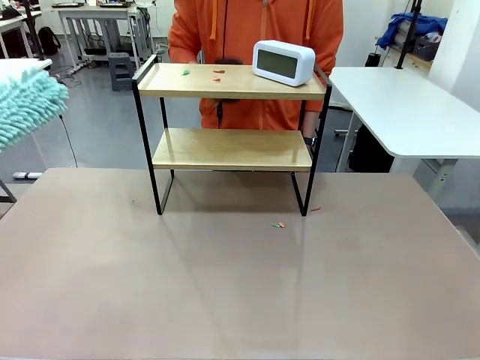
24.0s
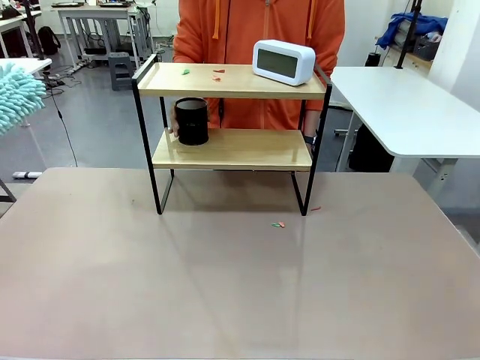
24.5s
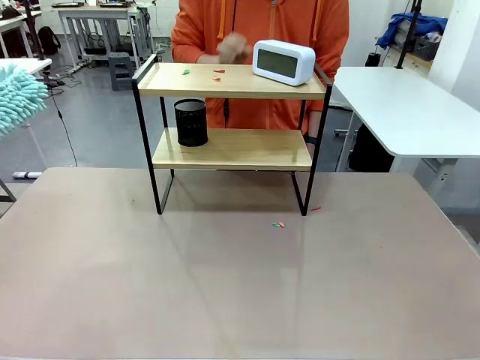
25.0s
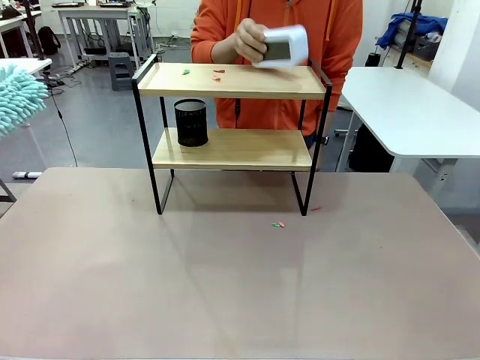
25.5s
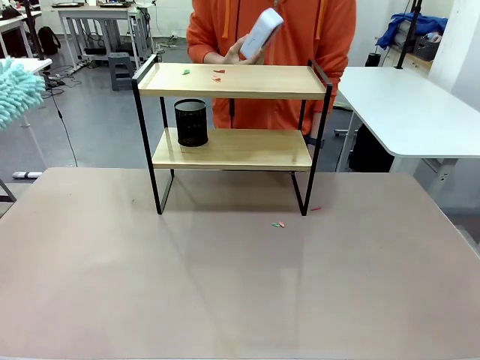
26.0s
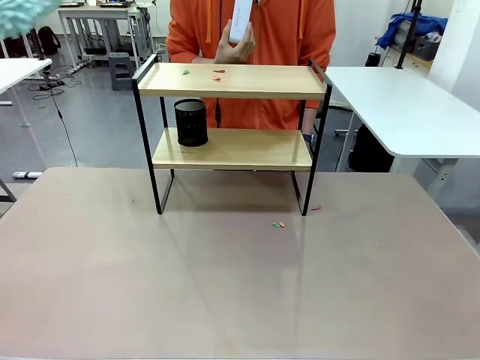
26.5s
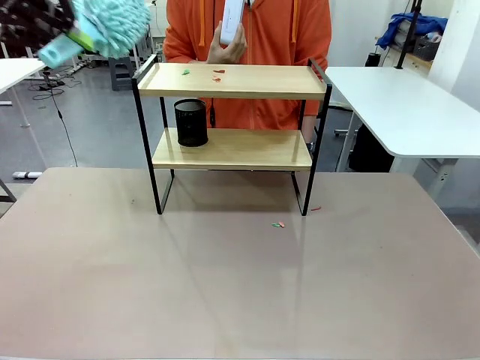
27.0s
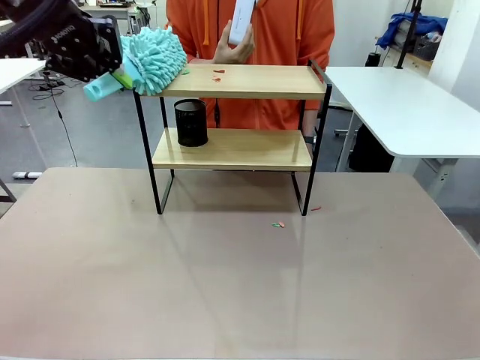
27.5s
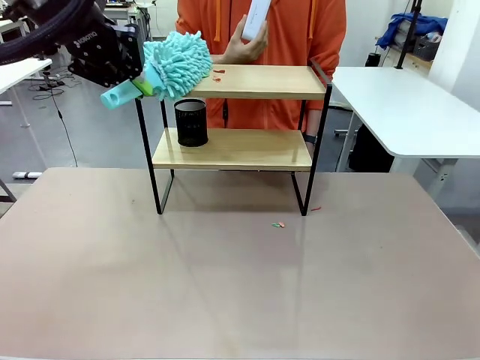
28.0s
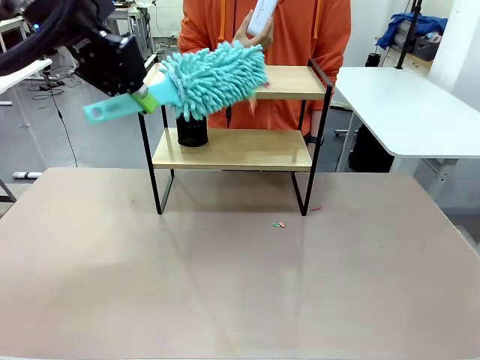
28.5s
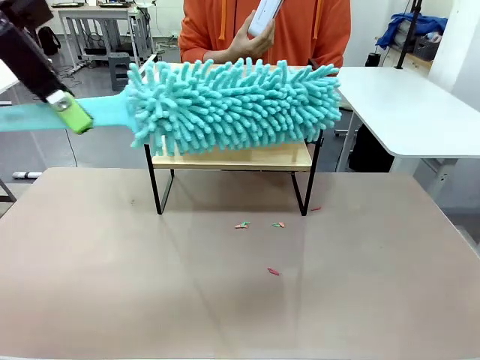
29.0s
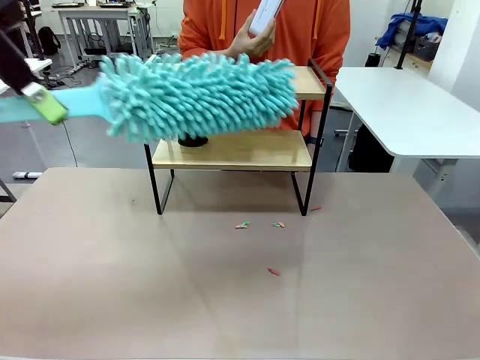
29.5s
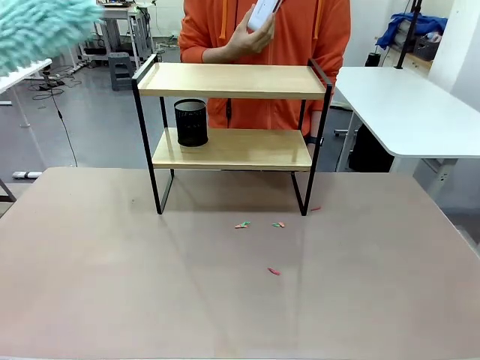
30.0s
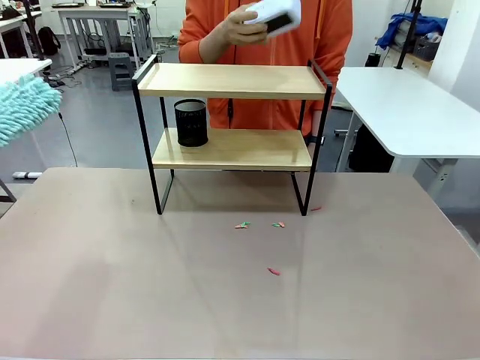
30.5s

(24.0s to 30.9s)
Task: Clean the shelf.
Robot: Clean the remaining tier of the Shelf with the Duster once objects are removed.

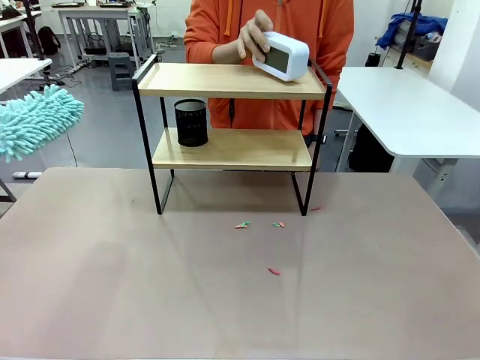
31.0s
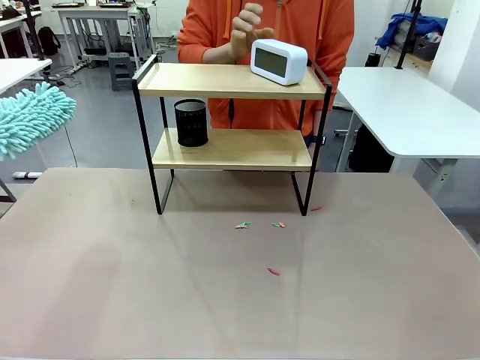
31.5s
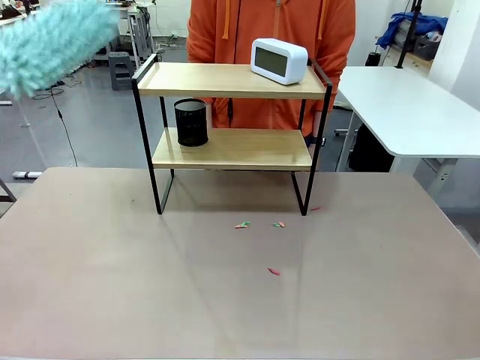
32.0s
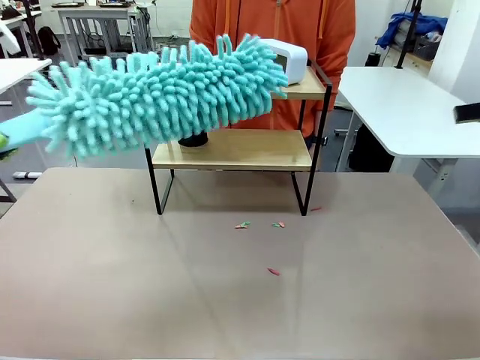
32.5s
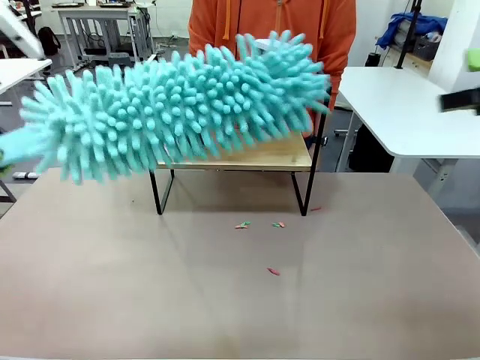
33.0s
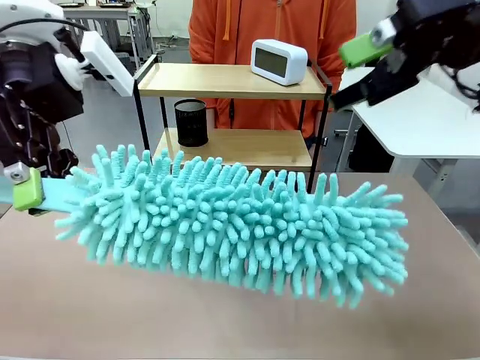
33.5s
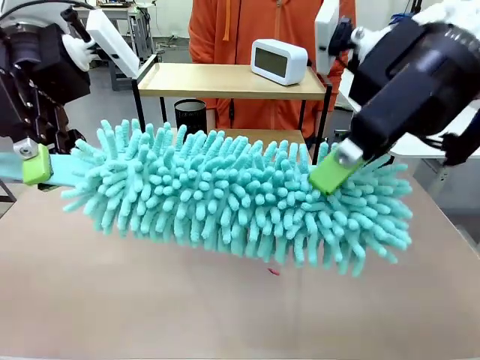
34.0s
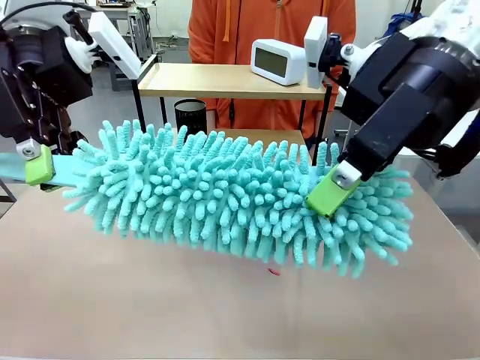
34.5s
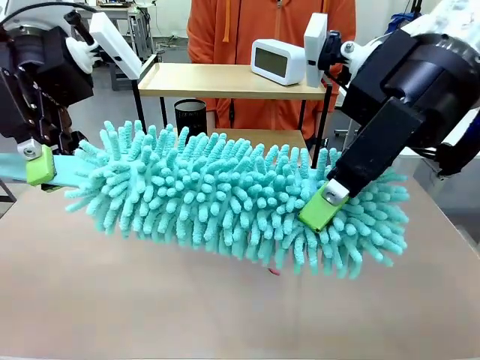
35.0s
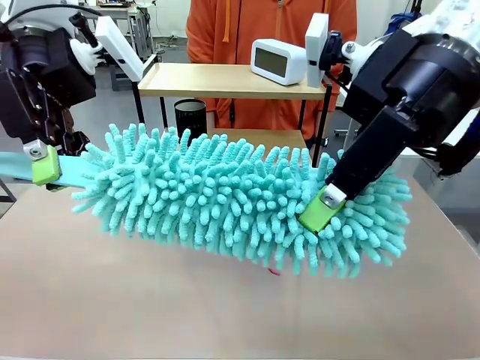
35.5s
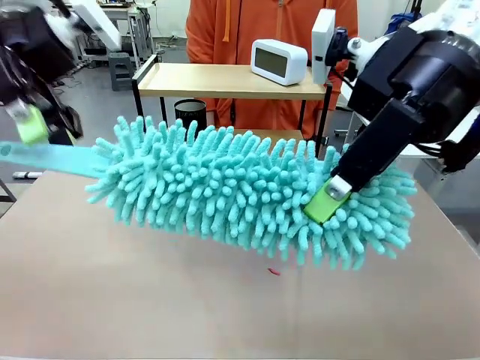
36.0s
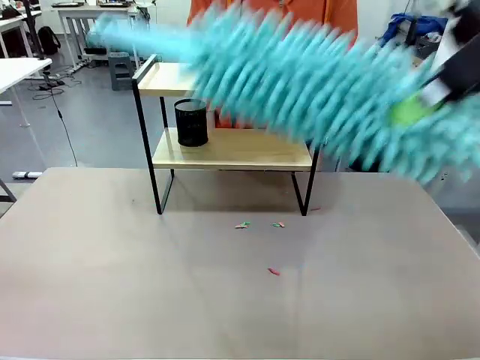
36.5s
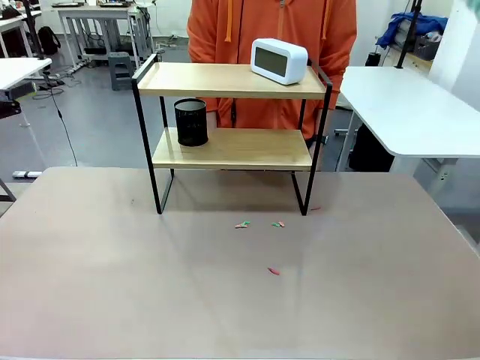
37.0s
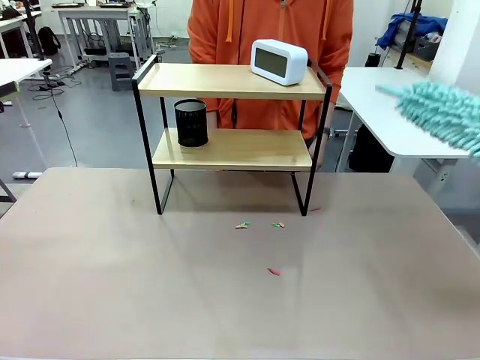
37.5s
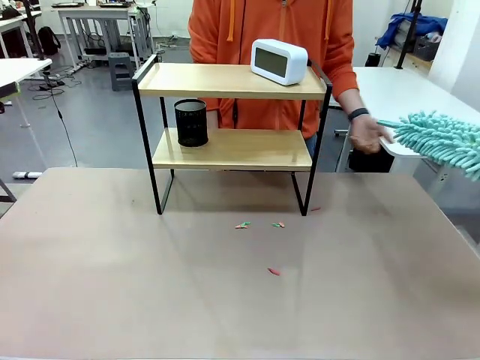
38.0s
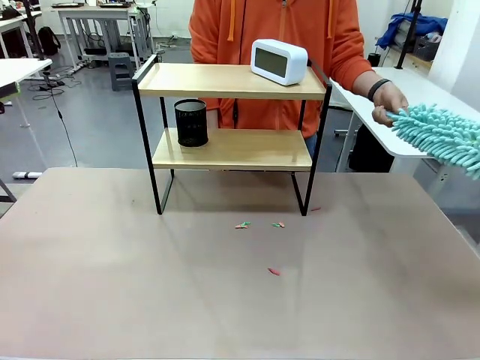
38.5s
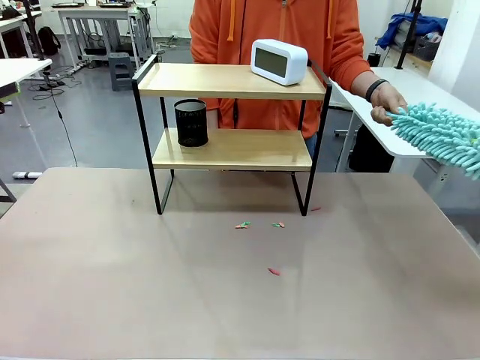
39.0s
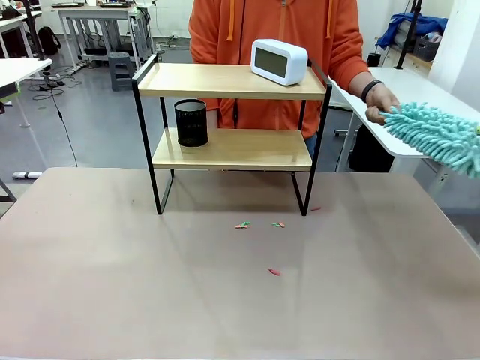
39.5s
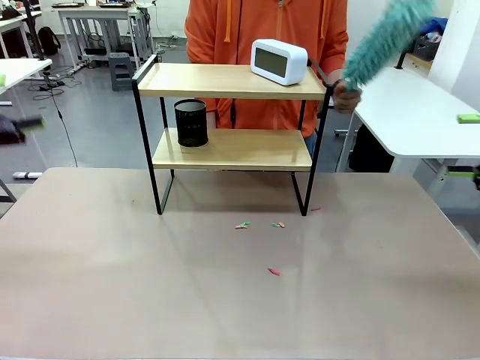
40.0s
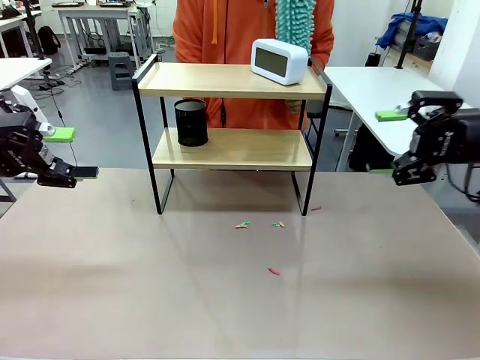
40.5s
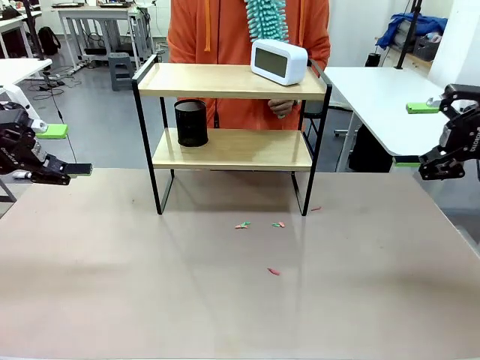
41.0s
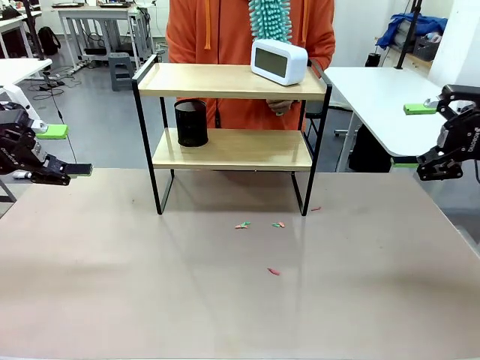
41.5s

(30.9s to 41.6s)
Robot: Hand the Duster back to the human.
Person: Receive the Duster from the robot.

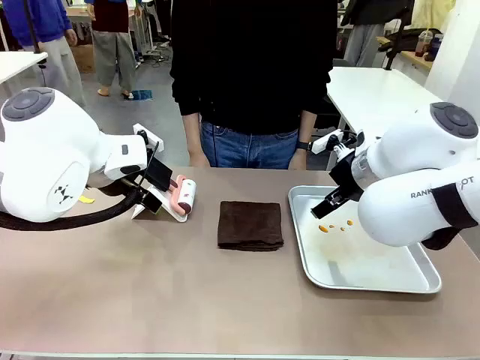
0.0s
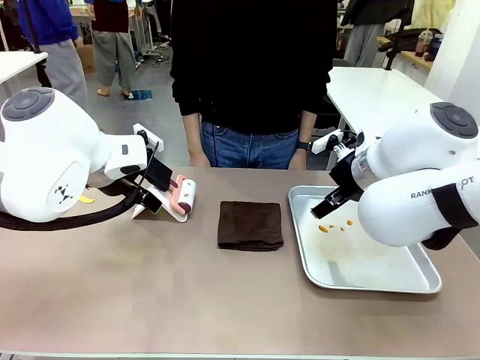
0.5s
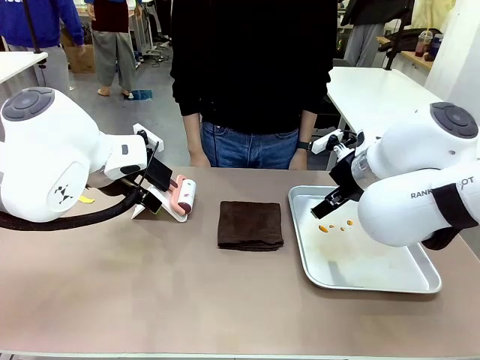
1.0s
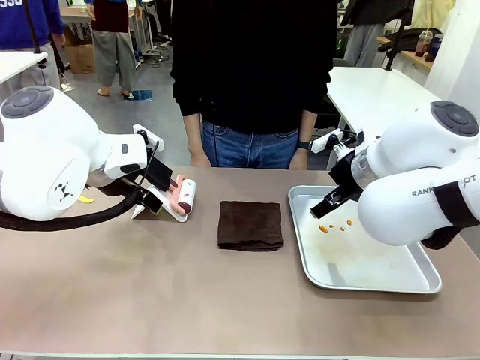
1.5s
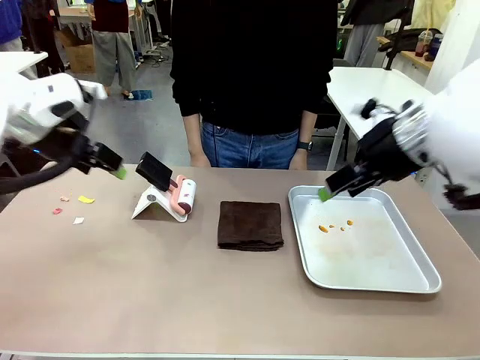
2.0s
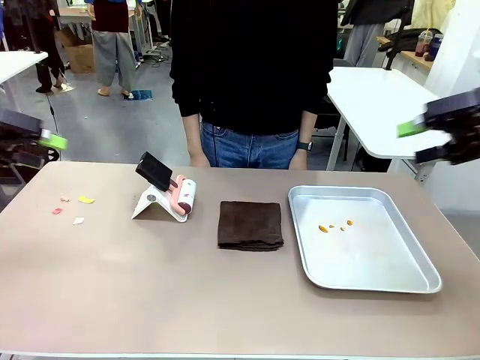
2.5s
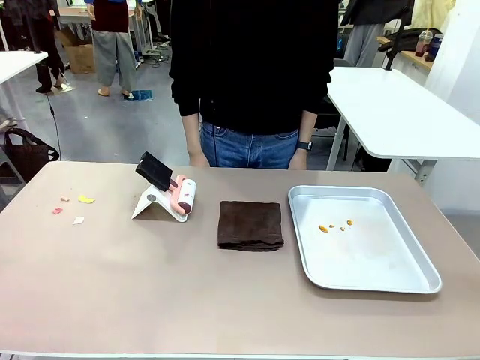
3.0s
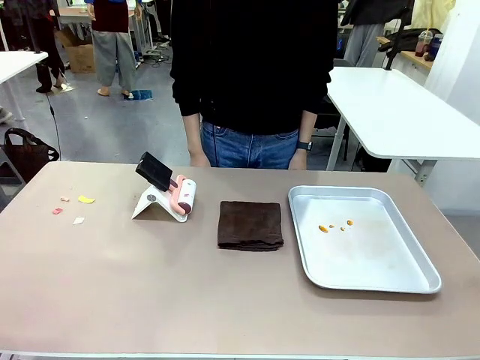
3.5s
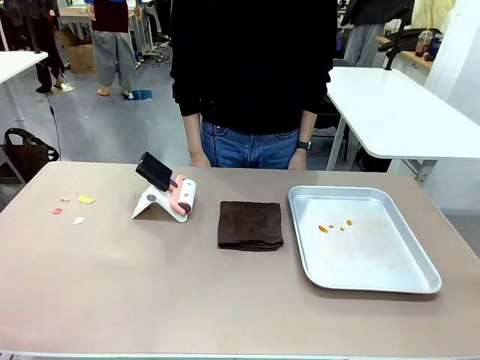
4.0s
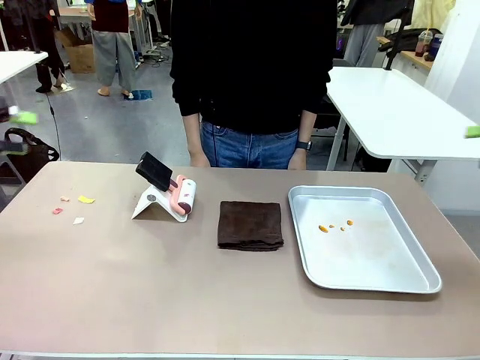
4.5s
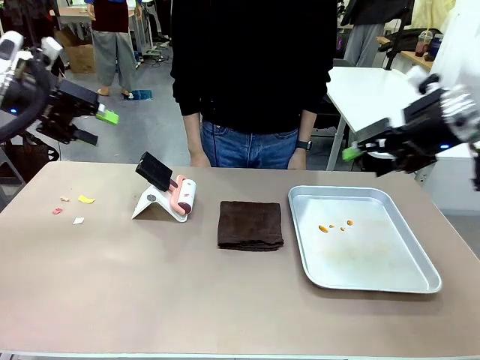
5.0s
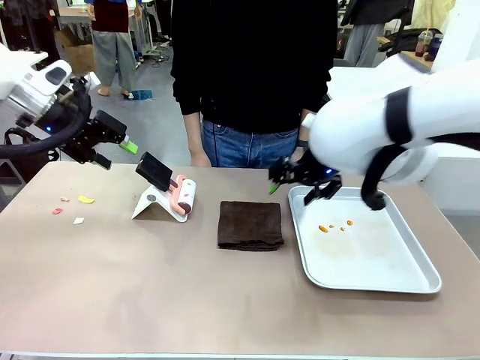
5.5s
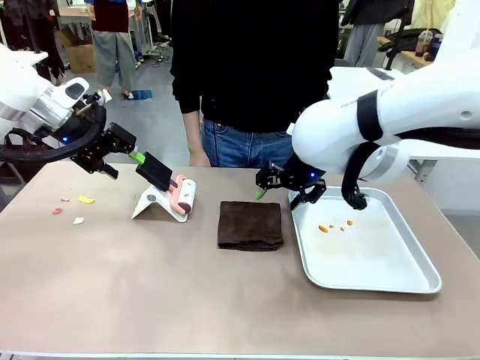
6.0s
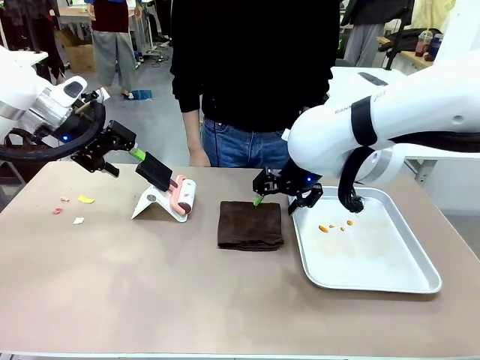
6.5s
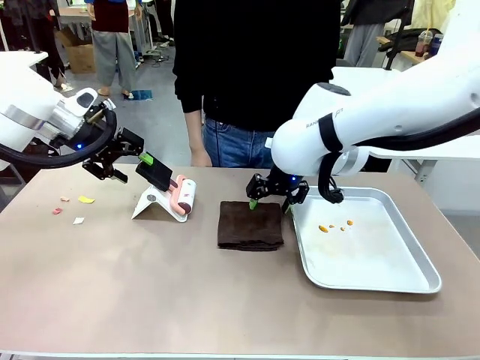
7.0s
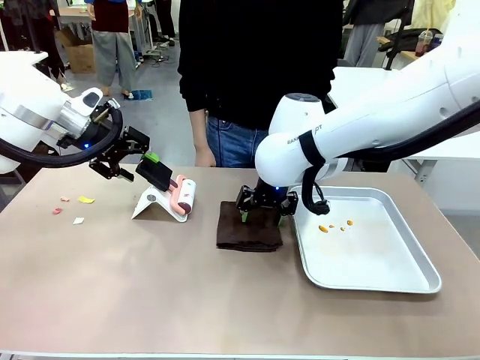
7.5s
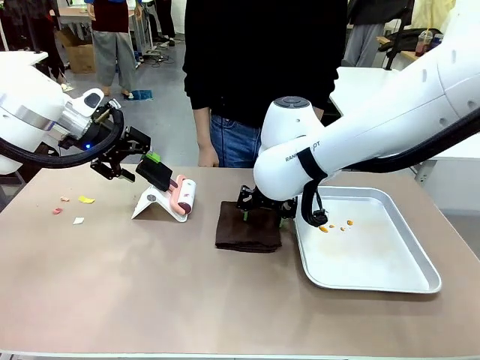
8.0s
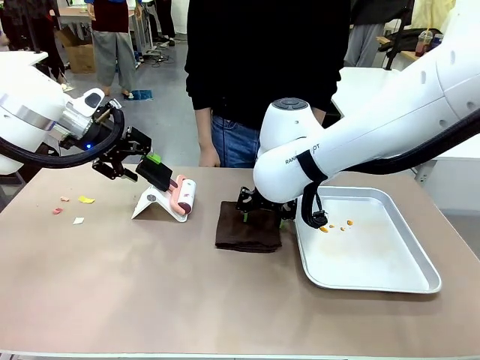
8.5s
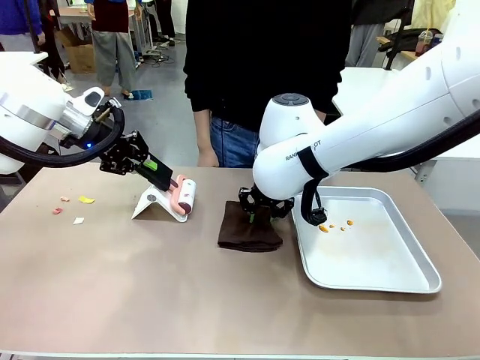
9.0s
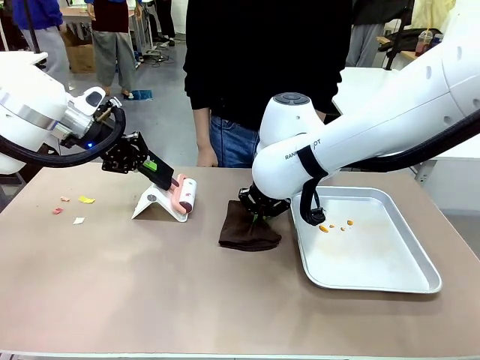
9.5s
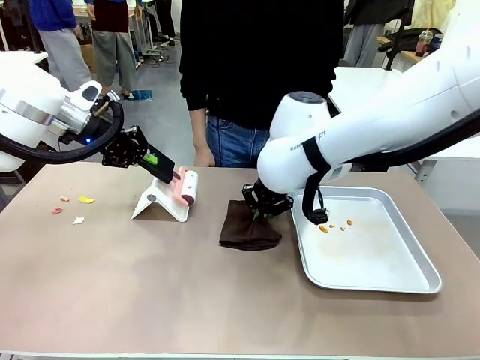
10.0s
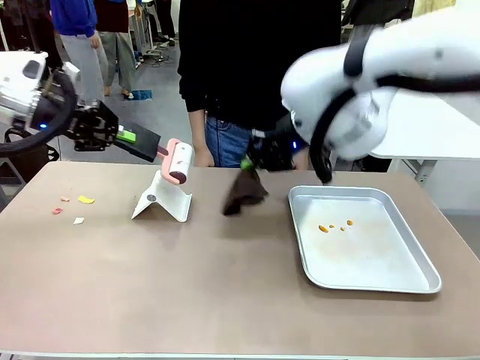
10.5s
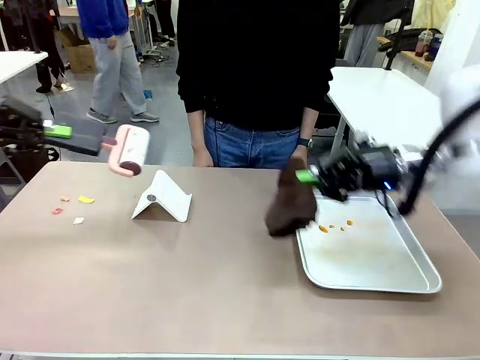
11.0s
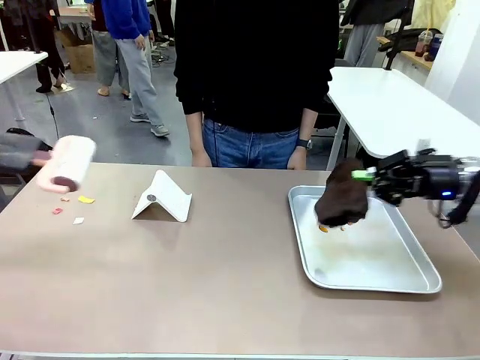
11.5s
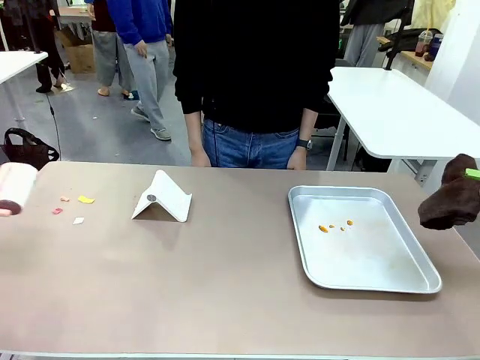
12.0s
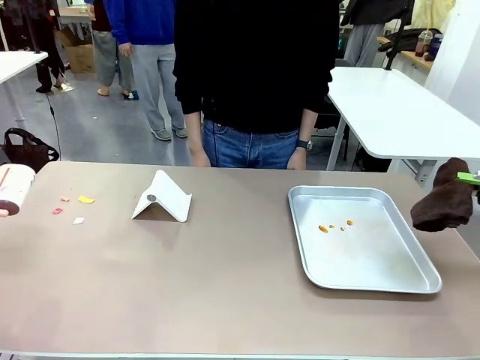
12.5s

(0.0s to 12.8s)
Task: Clean the surface of the table.
Robot: Hold the Lint Roller with your left hand and the towel with your right hand.
